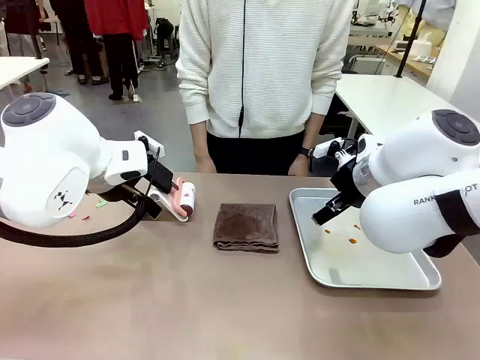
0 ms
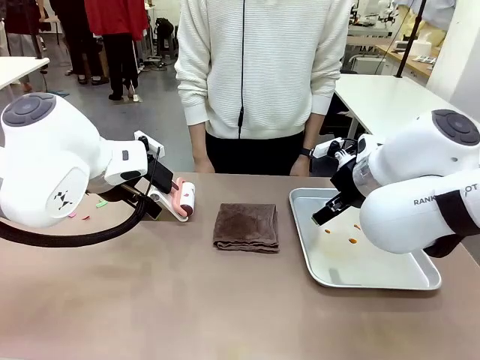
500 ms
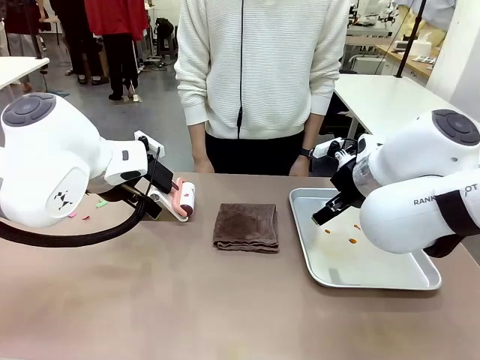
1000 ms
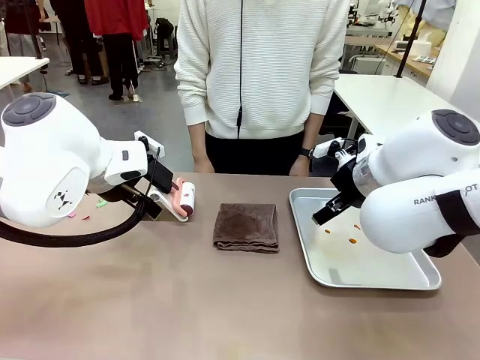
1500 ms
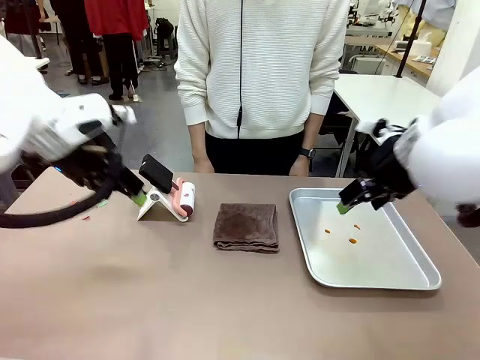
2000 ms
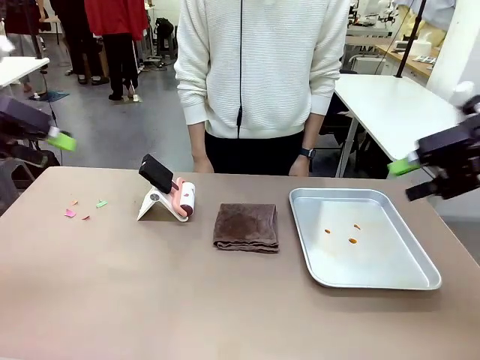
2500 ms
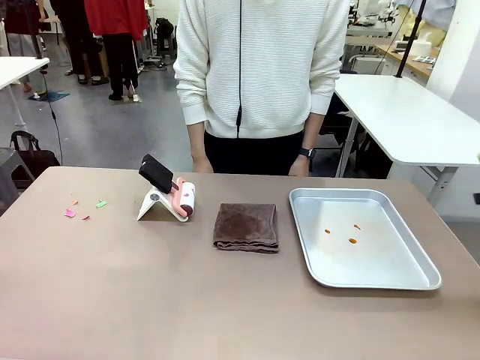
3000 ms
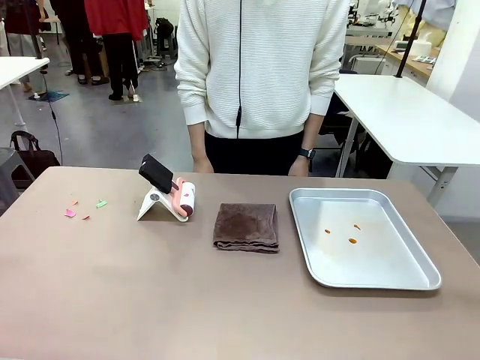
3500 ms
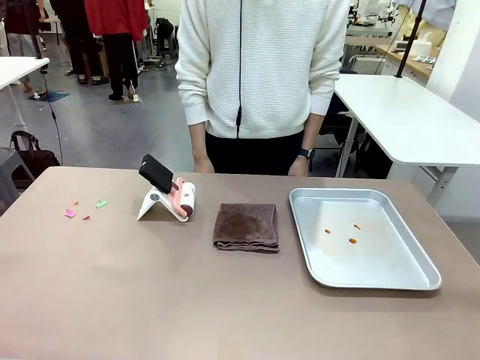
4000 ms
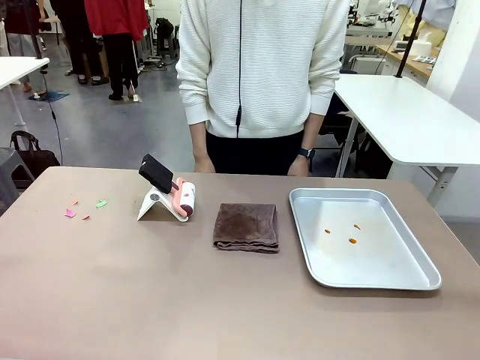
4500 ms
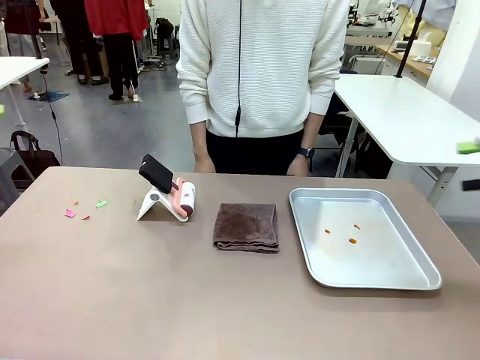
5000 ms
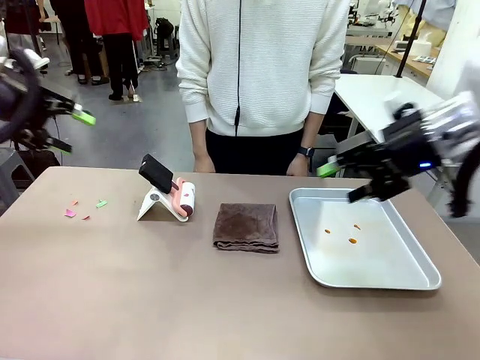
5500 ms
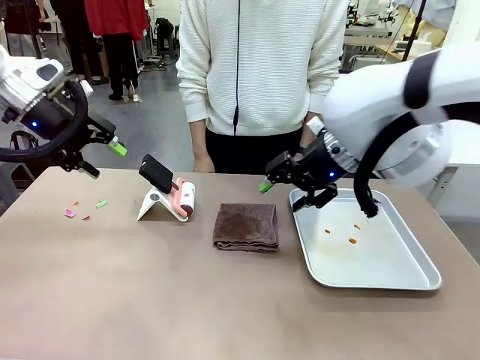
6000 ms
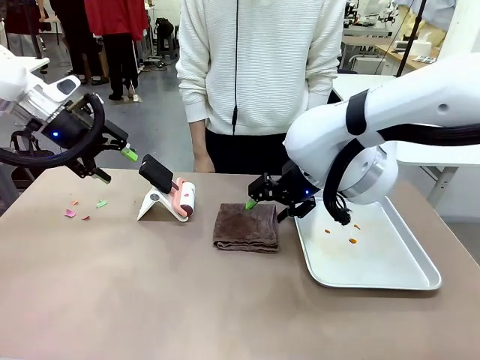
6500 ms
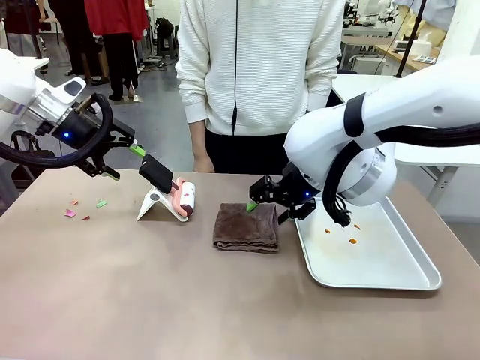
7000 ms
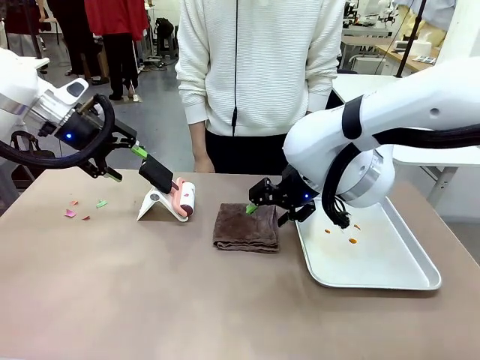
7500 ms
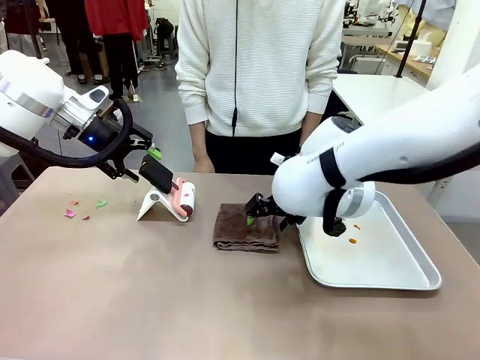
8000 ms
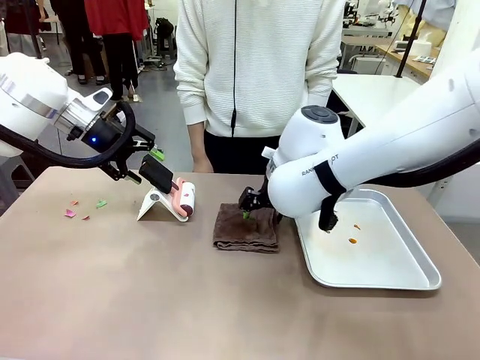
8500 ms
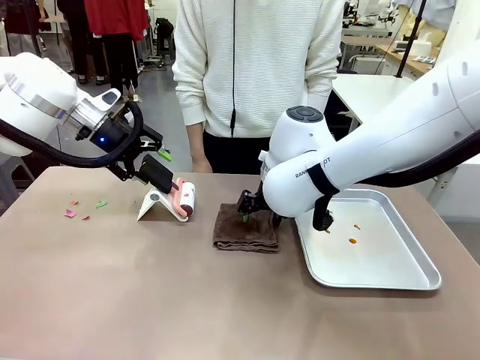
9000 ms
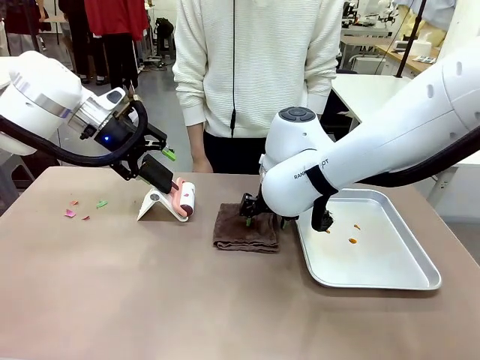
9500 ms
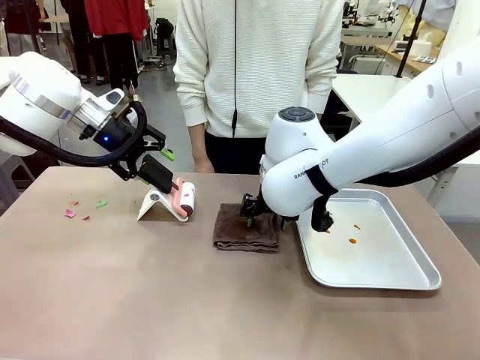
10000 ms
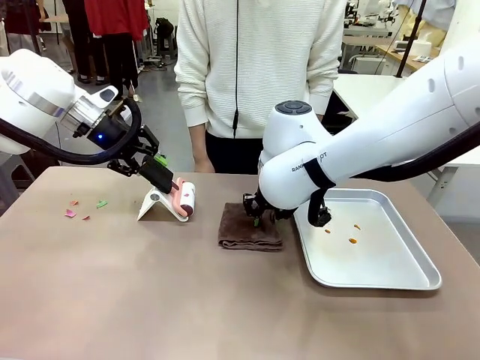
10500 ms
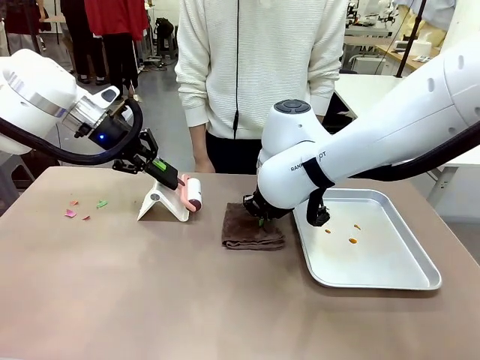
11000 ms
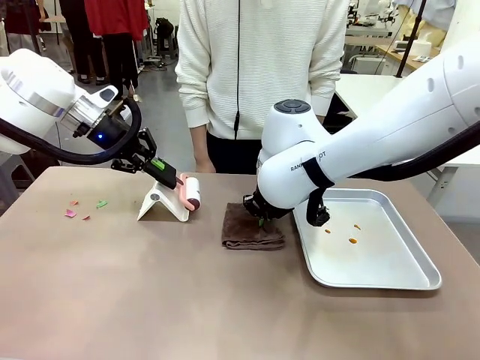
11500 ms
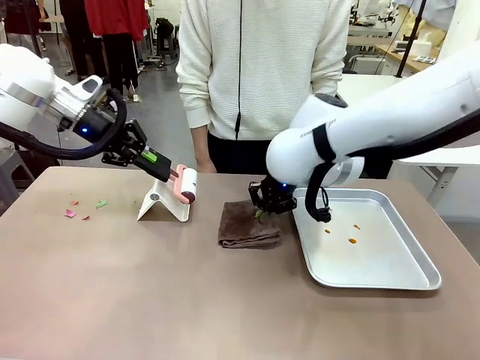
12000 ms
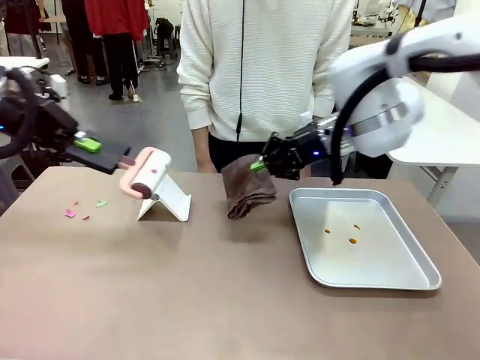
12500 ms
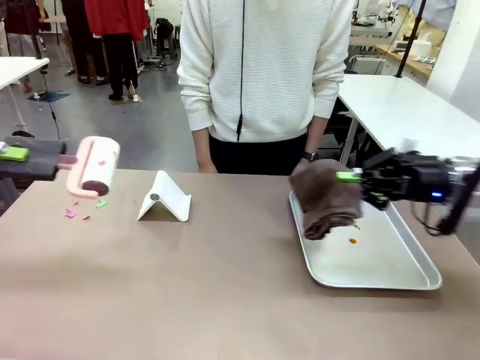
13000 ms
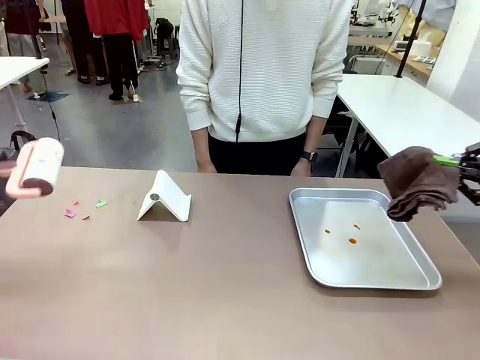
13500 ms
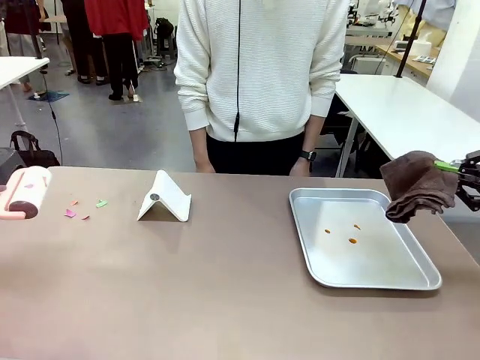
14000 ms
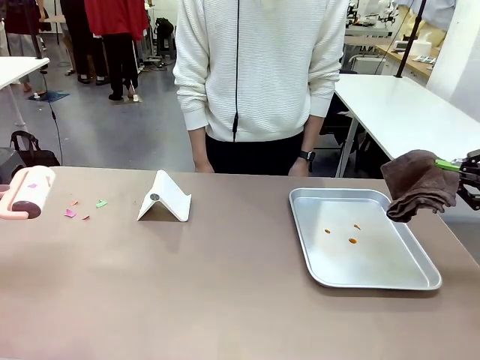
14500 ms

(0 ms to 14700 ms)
Task: Clean the surface of the table.
Robot: Hold the Lint Roller with your left hand and the towel with your right hand.

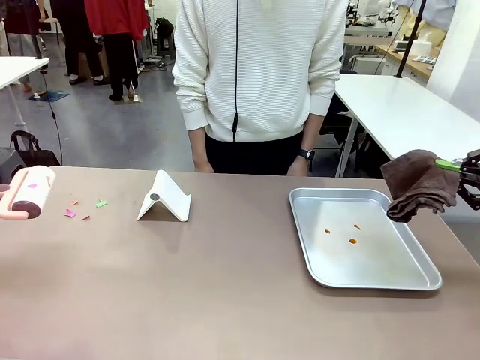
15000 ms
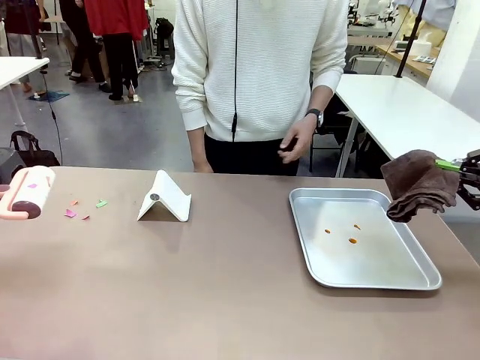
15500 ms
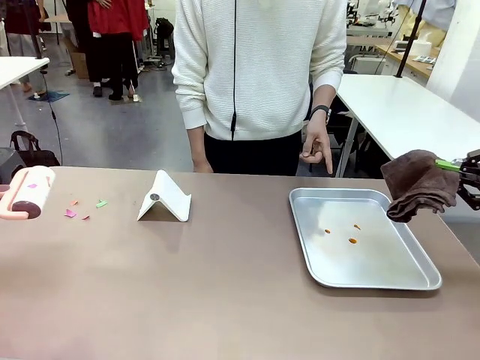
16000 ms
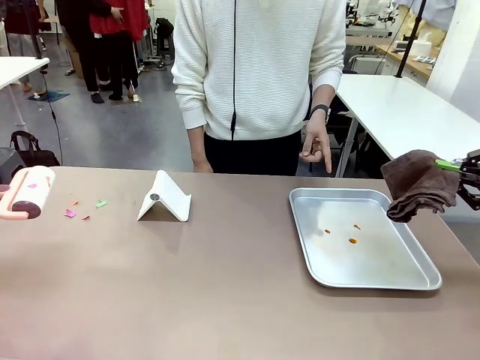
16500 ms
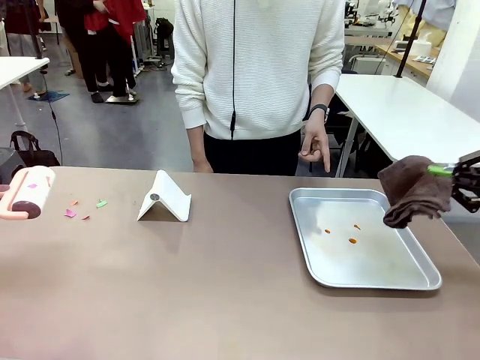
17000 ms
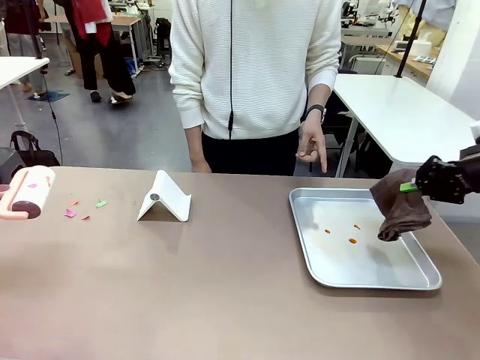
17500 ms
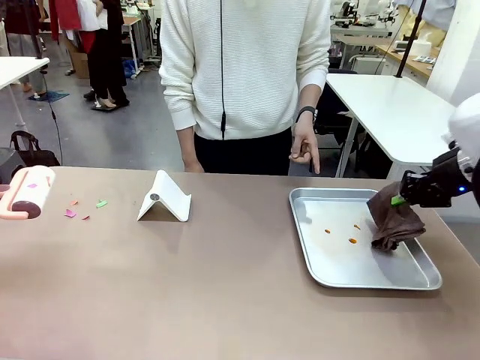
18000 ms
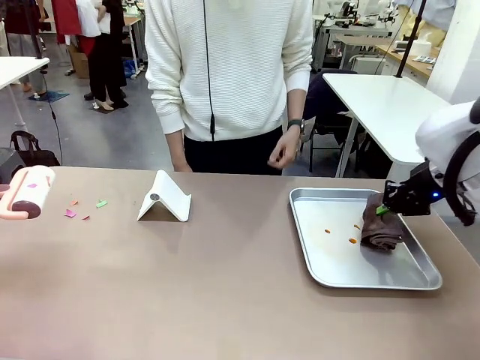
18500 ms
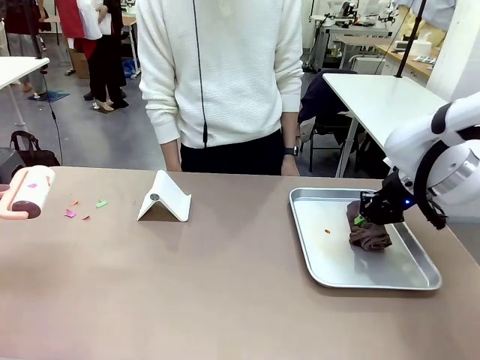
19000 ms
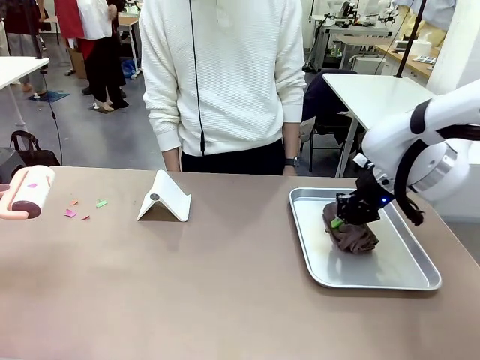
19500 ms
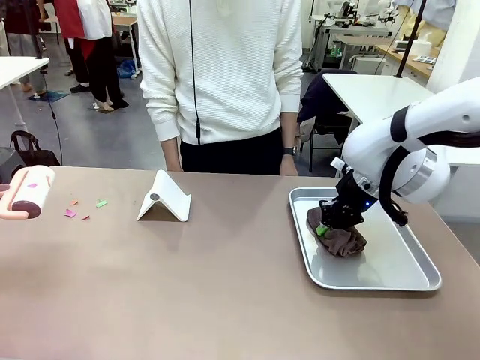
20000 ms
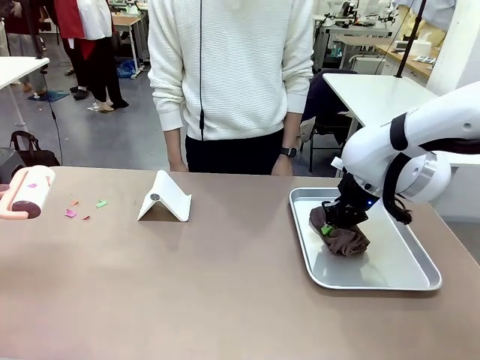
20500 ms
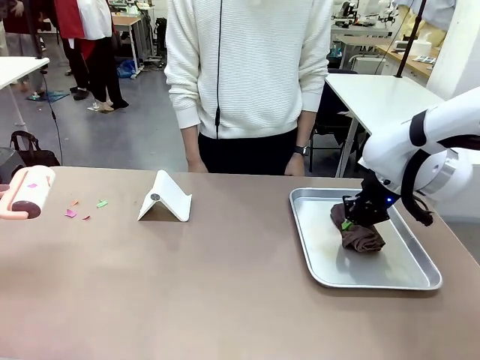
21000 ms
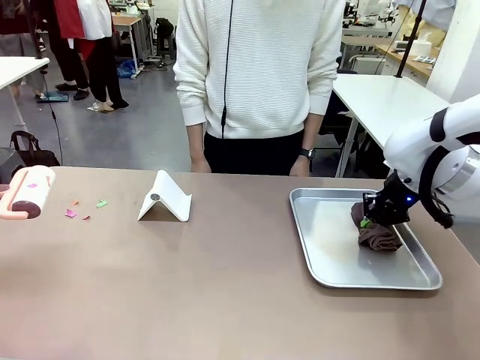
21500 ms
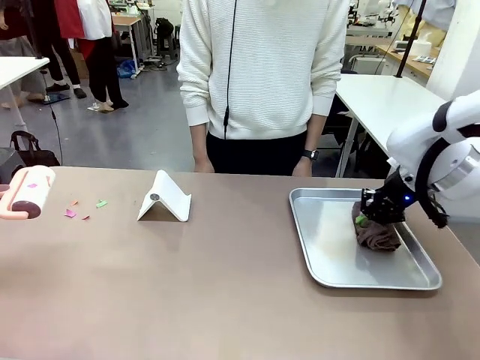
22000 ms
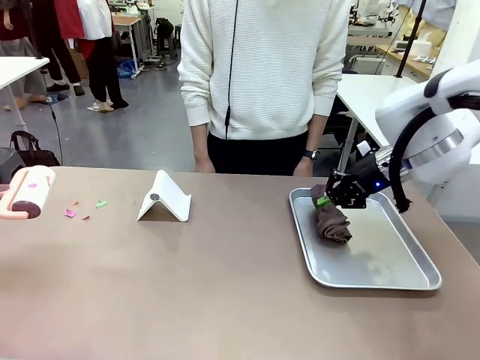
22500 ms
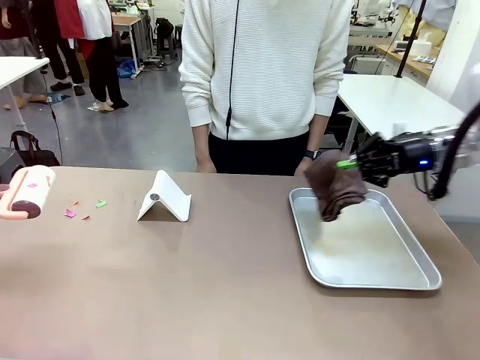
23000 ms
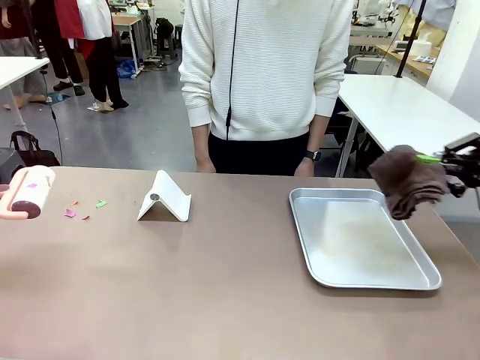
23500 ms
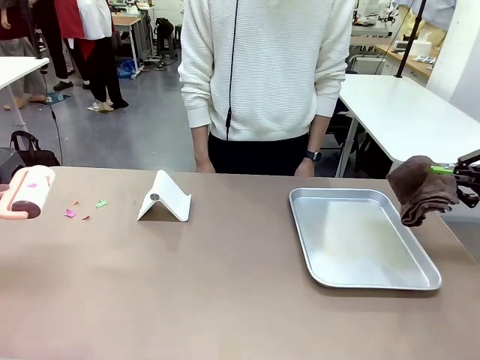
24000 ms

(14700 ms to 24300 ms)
Robot: If a person points to the right, clean the right side of the table with your right hand, and if they point to the left, clean the left side with your left hand.

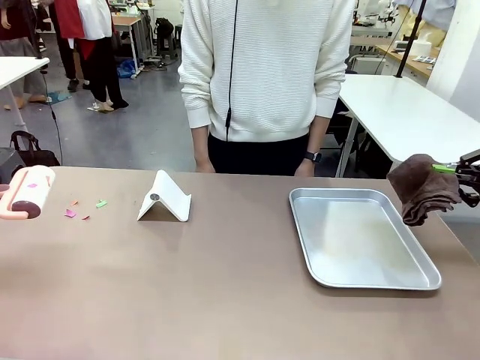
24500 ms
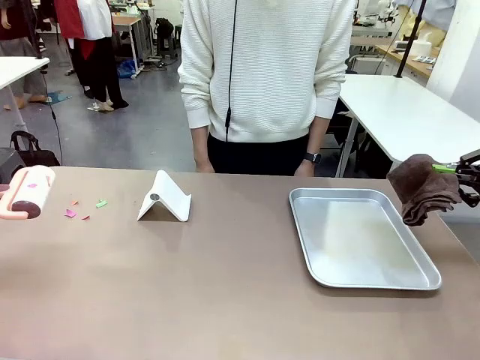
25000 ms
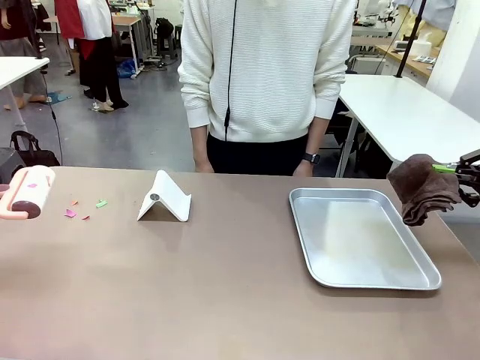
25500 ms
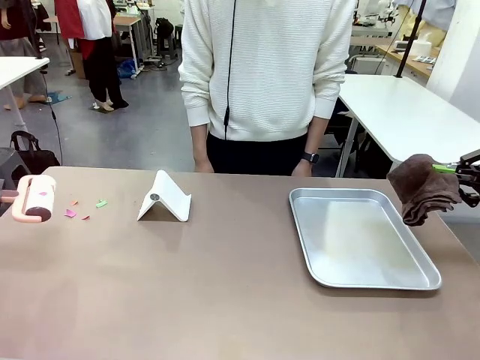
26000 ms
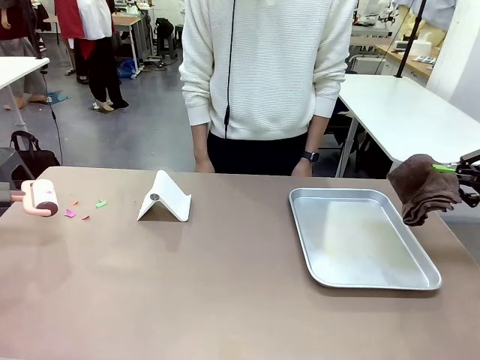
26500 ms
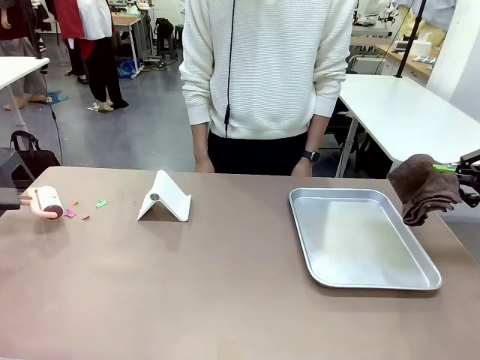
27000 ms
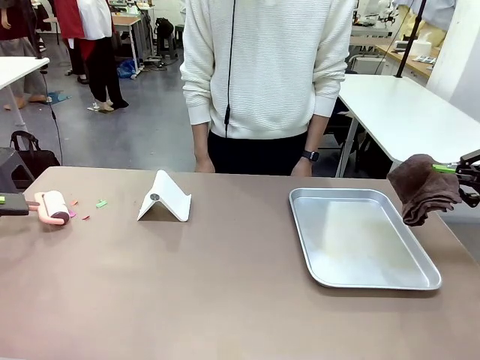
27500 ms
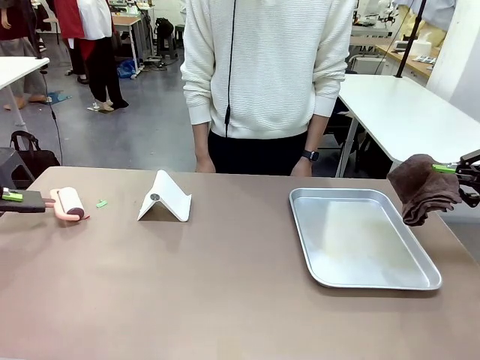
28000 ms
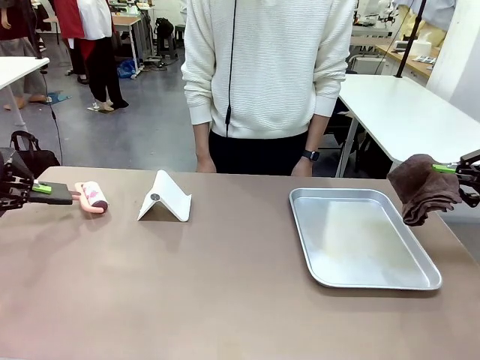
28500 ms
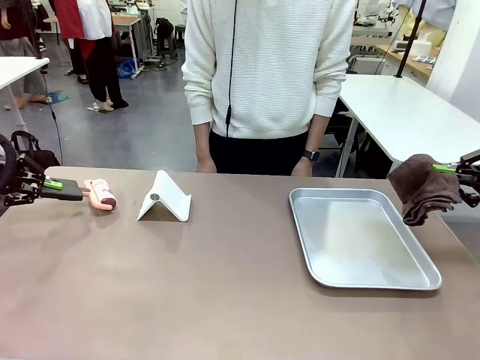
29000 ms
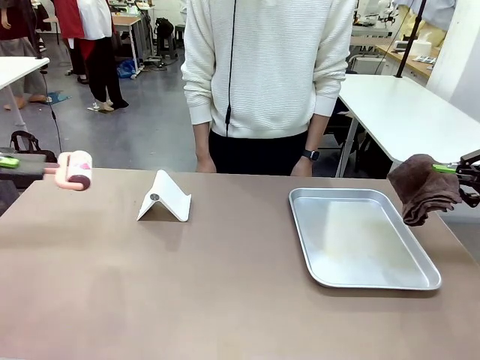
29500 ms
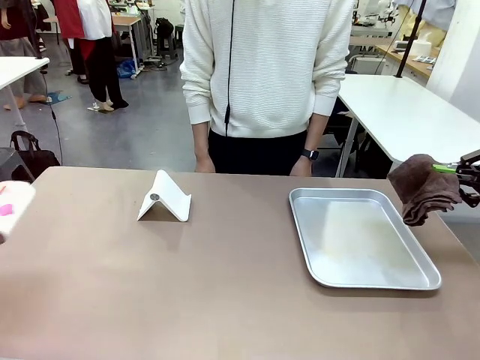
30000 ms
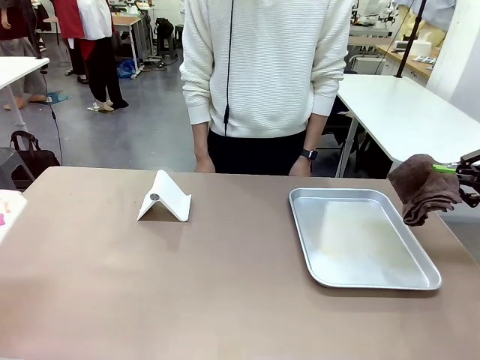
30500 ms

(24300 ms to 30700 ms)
Robot: Clean the area not pointed to by the person.
